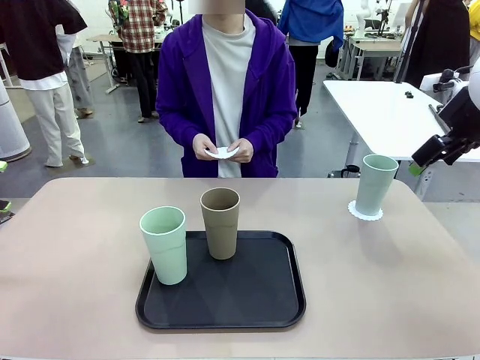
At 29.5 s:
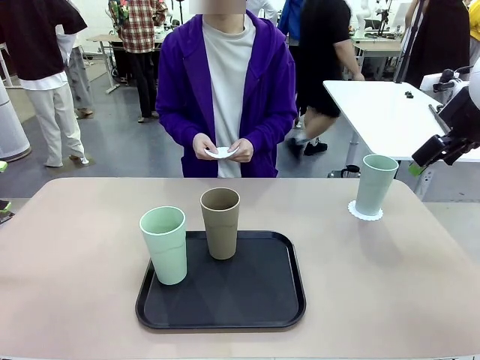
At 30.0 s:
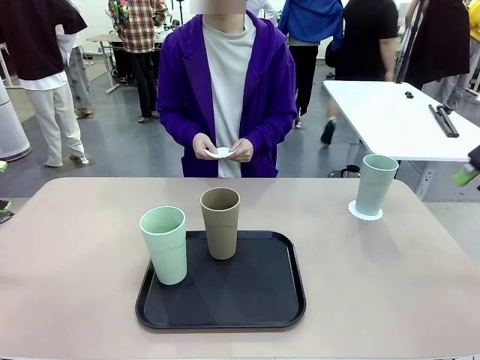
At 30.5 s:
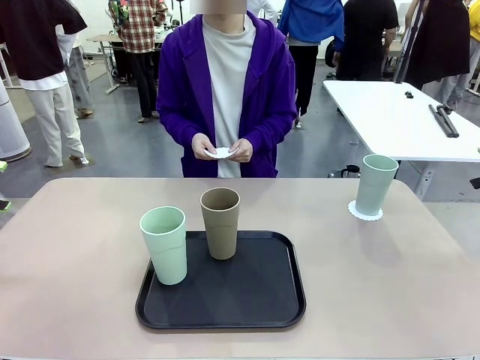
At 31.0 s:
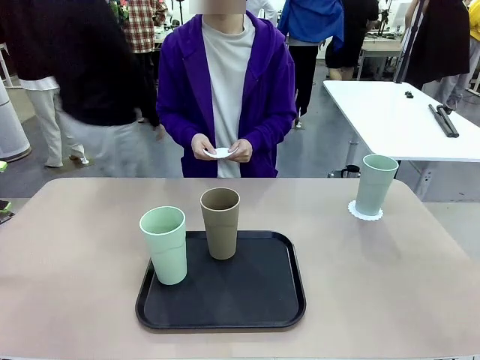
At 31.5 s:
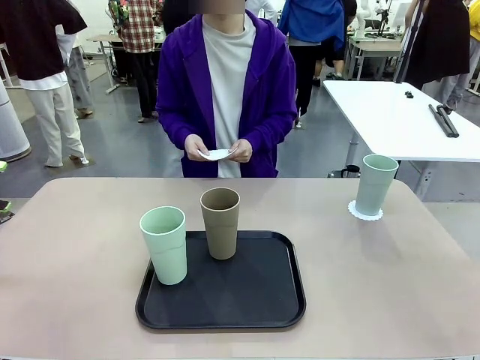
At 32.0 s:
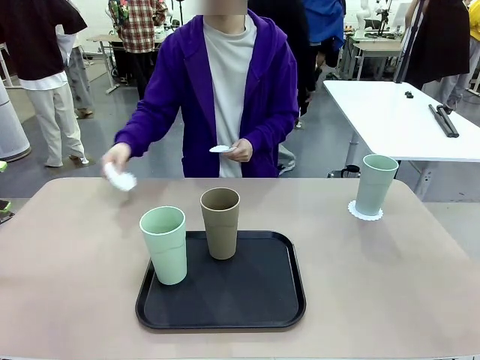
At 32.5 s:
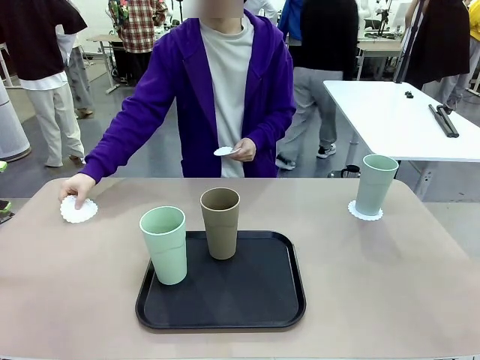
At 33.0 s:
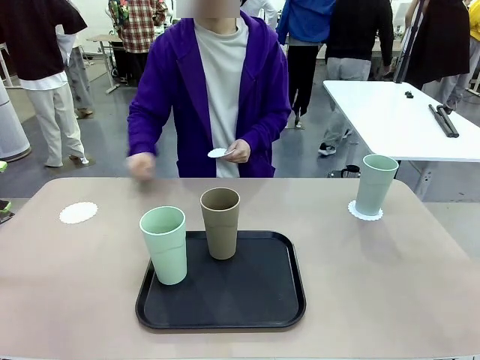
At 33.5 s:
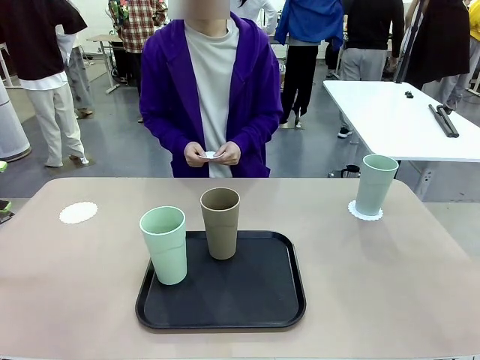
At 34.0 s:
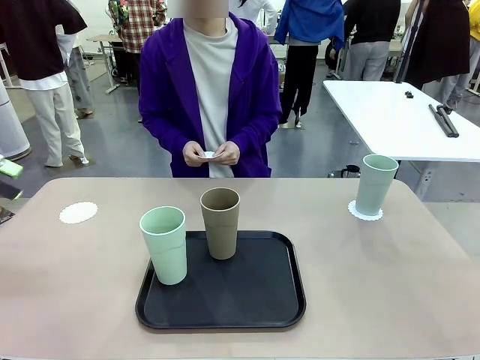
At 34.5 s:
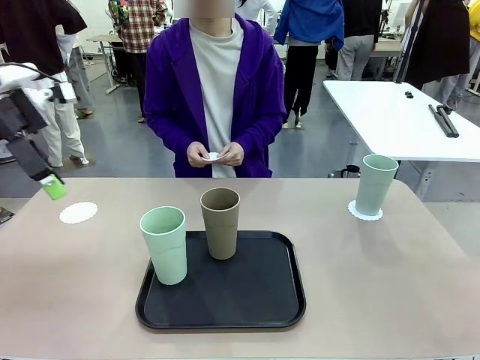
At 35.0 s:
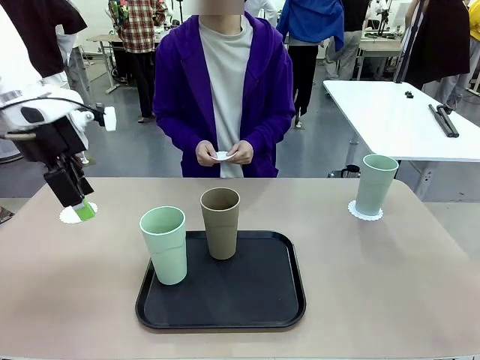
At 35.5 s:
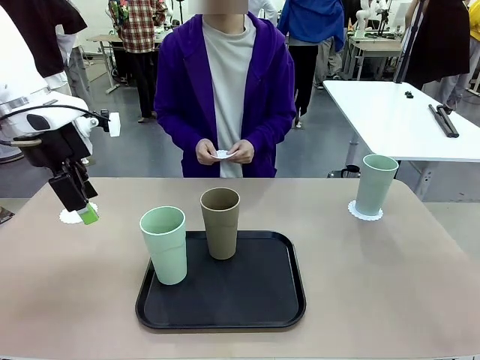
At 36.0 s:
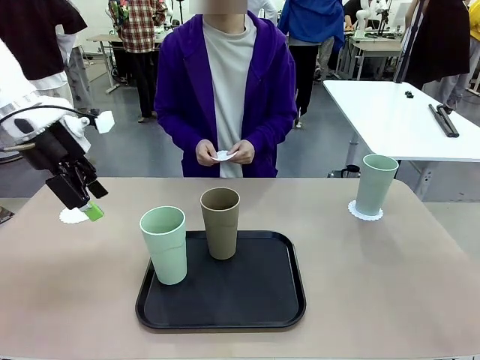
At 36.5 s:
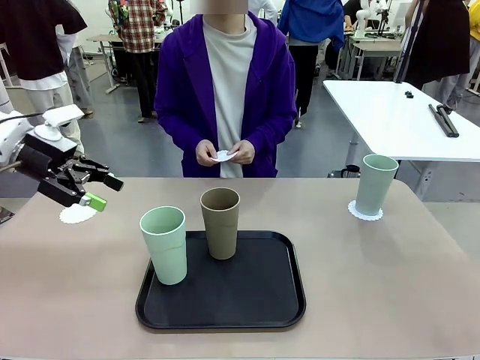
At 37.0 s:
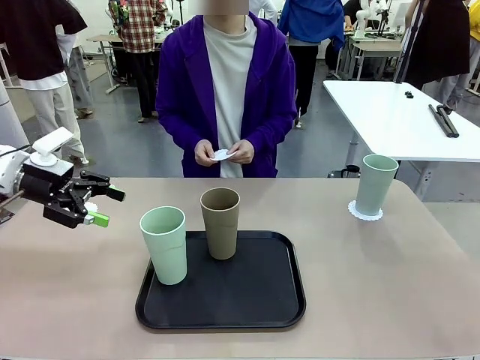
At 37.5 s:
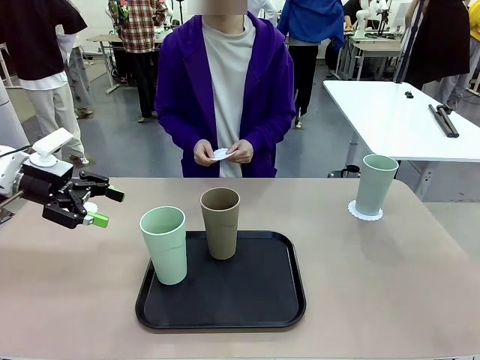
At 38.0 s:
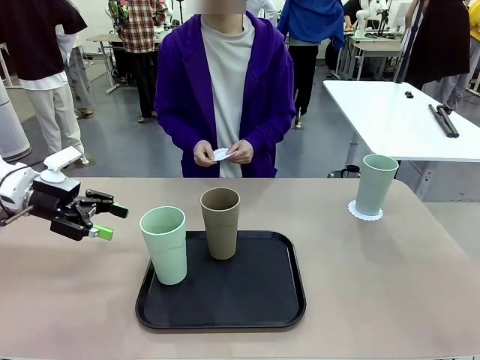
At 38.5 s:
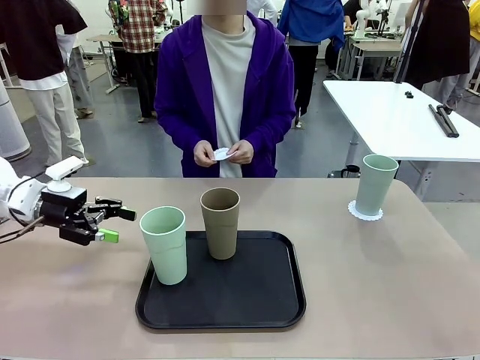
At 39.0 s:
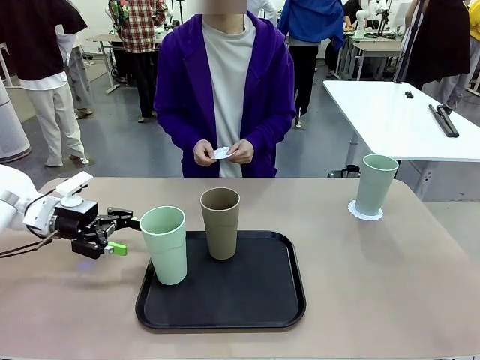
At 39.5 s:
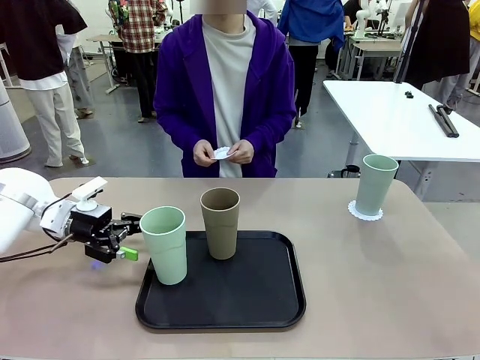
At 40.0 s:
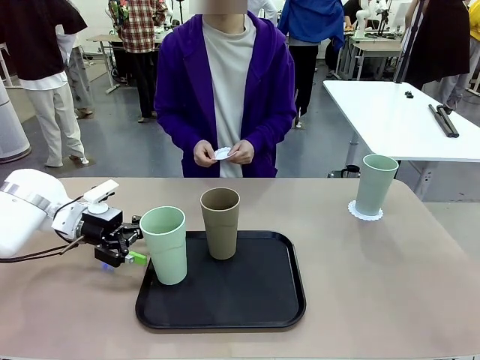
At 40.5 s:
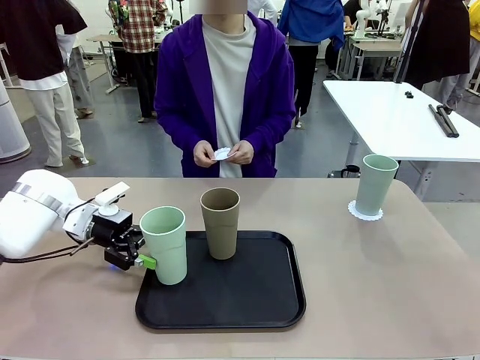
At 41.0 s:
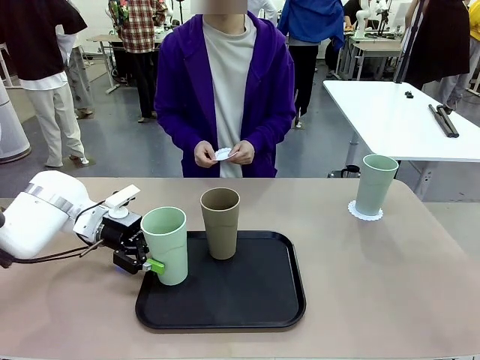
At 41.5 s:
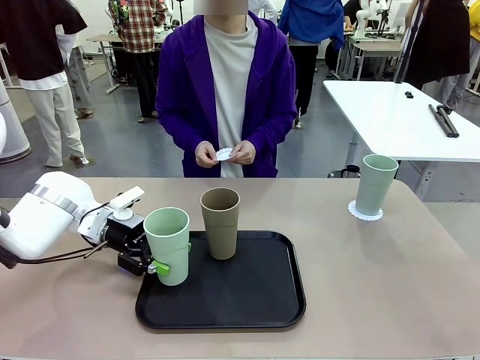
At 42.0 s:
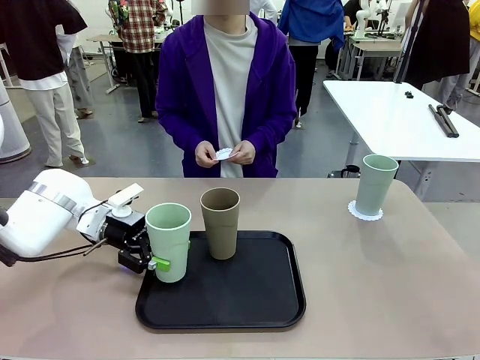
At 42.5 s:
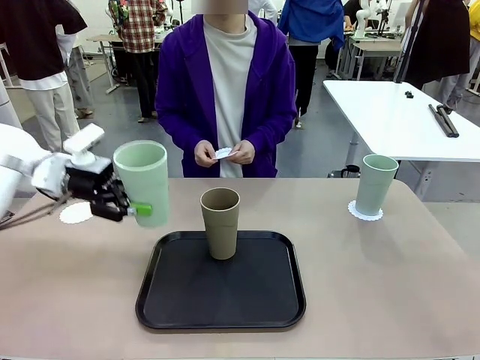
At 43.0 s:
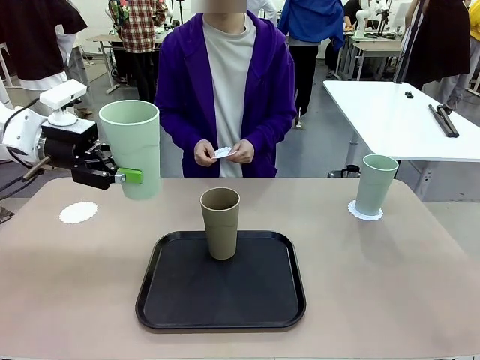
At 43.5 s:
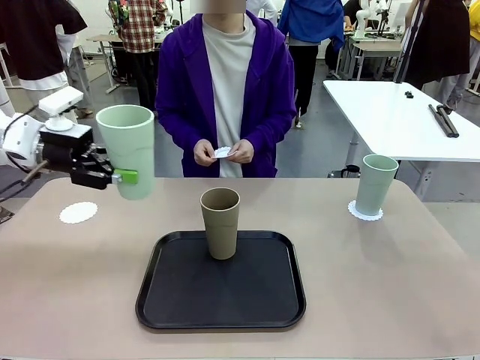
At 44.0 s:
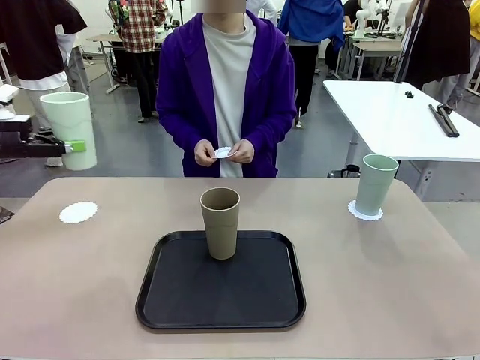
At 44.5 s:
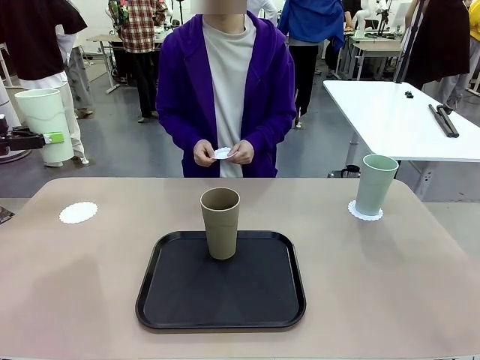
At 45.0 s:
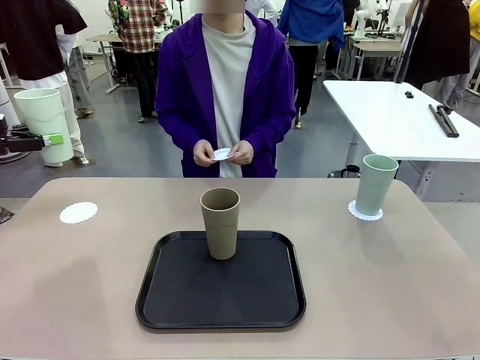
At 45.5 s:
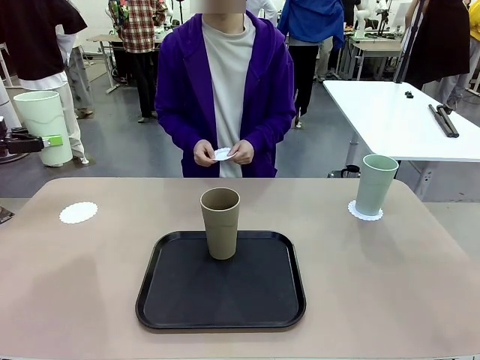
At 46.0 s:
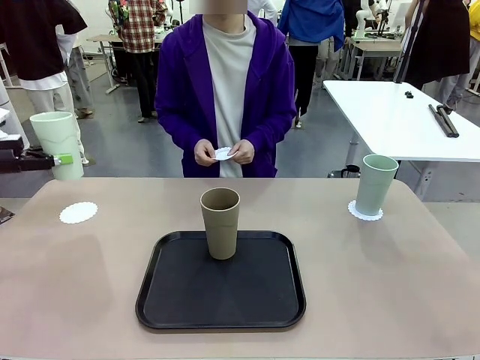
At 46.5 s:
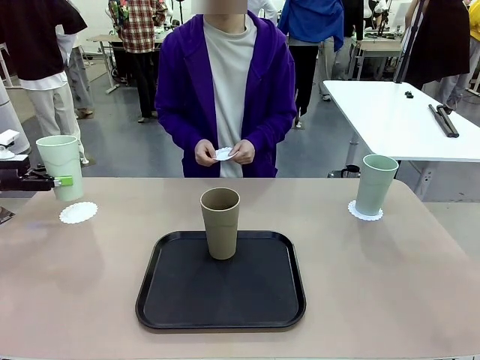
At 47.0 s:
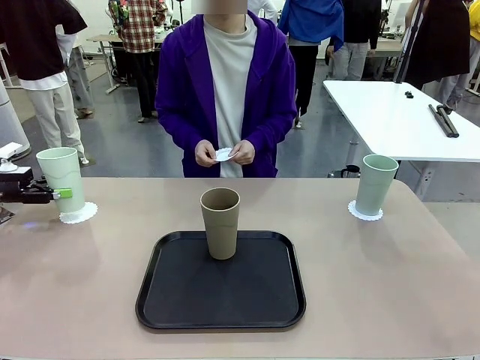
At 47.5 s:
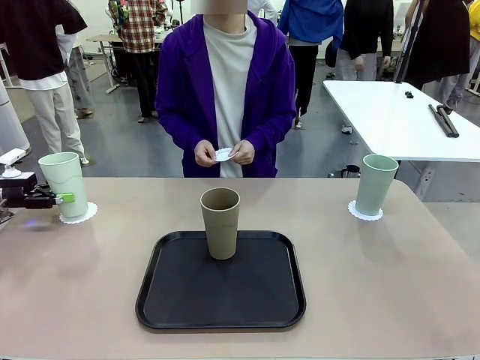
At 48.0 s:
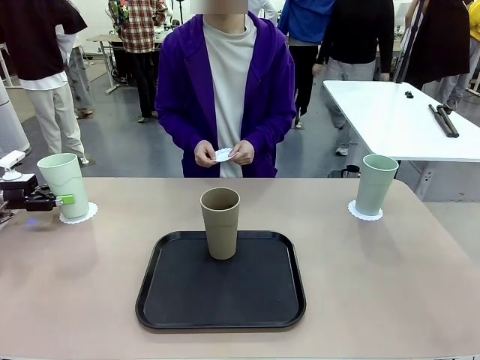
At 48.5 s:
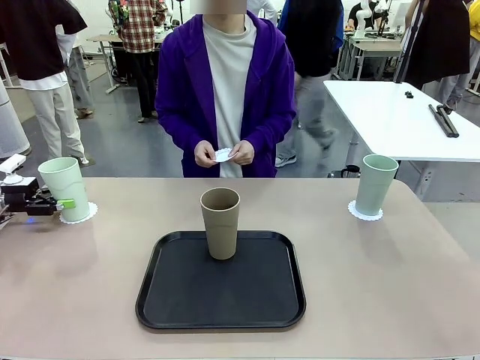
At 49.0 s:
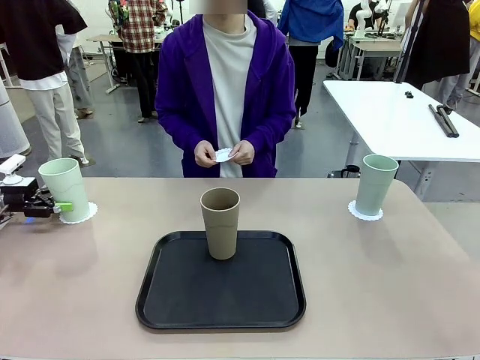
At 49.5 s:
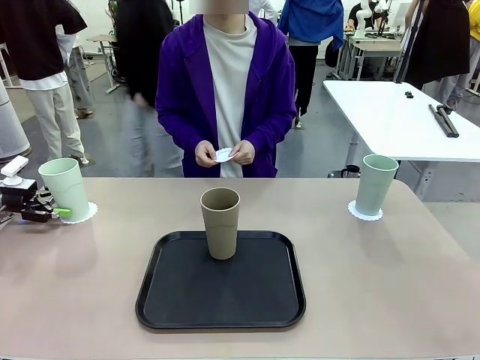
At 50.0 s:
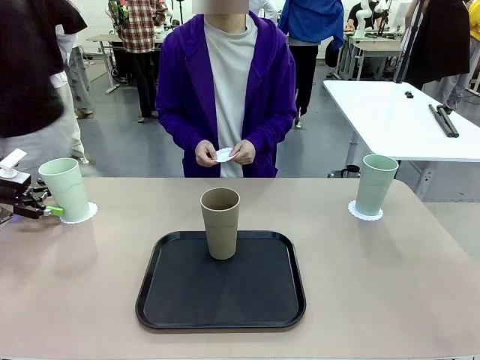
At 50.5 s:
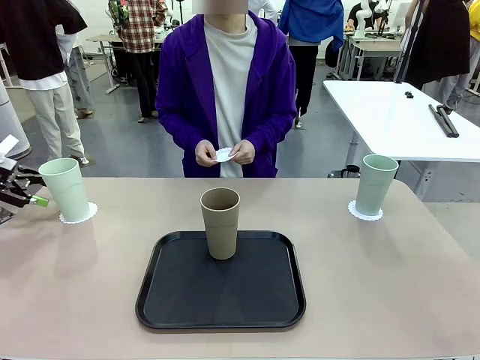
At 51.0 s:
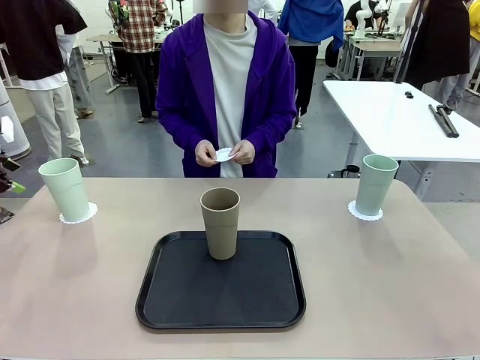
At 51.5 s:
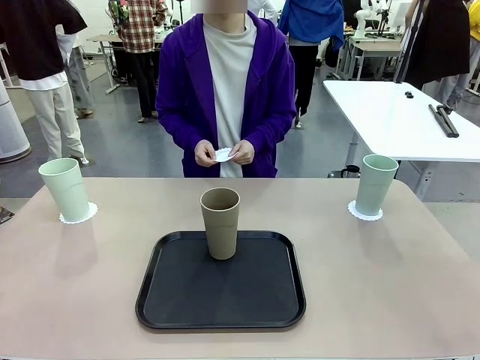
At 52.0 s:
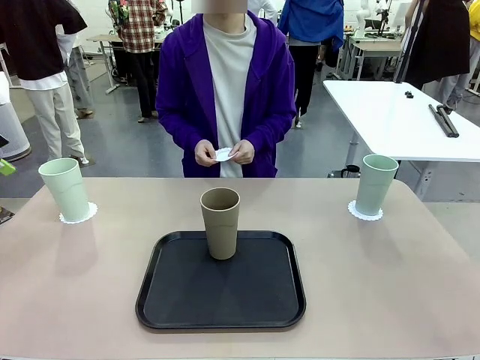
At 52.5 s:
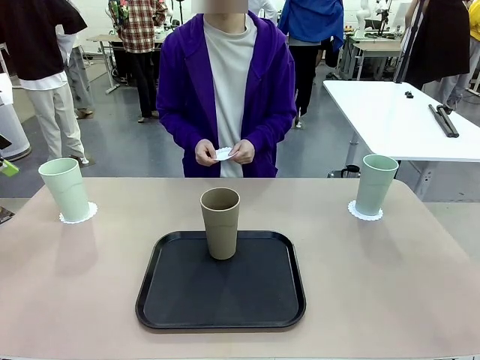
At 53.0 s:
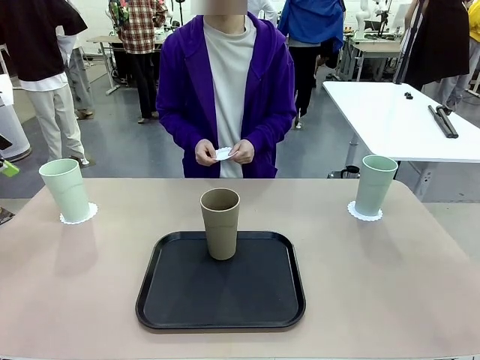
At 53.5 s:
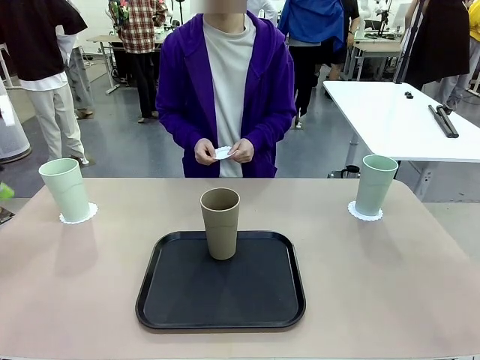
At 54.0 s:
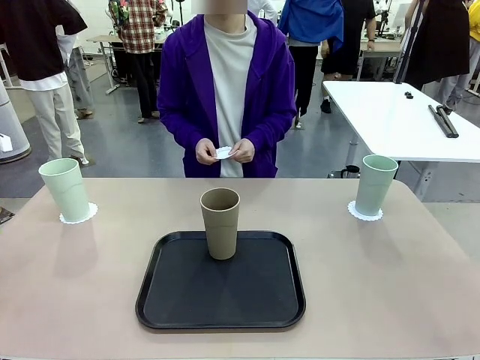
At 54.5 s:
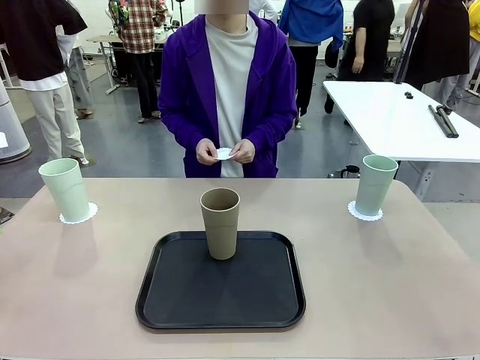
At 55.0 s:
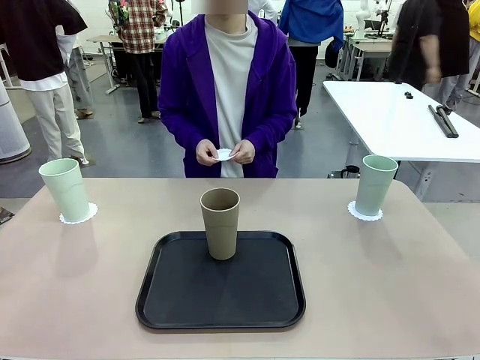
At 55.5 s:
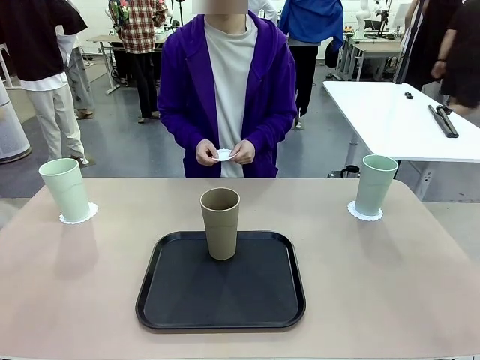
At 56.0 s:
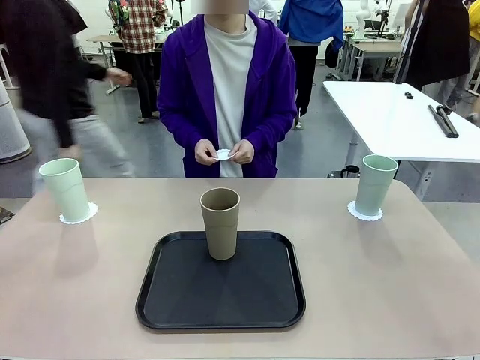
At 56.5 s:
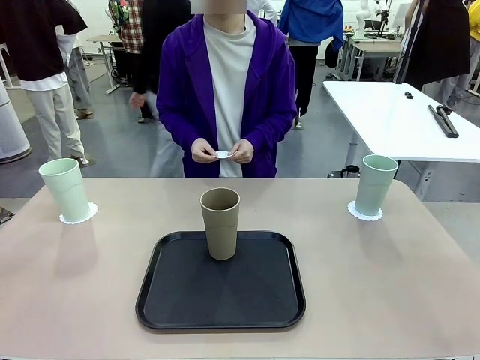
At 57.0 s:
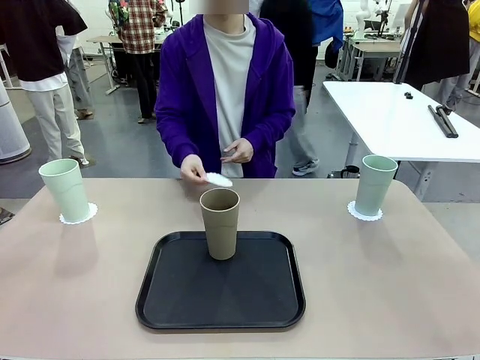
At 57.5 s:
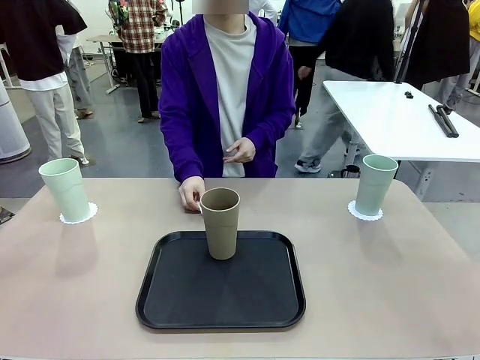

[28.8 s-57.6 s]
Task: Place coasters on the table and set cups on them.
Robot: Take one Reusable plastic cup from the Flat Tray and place it on a coaster set by the human.
